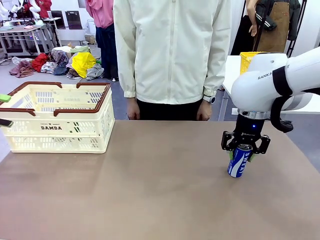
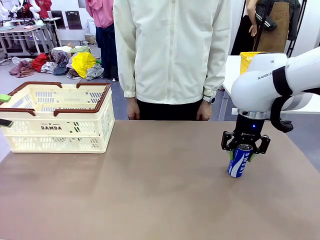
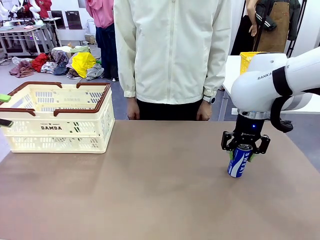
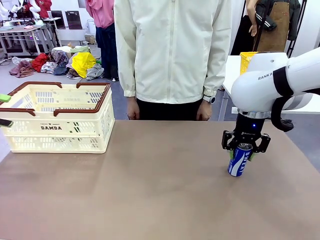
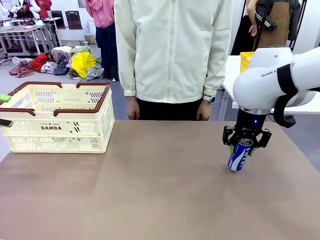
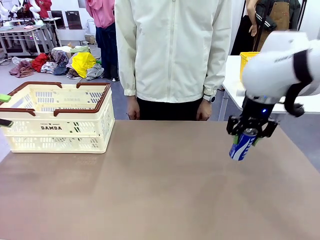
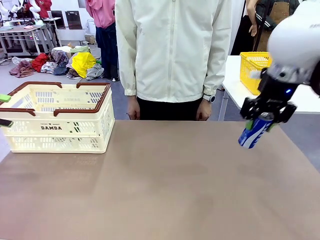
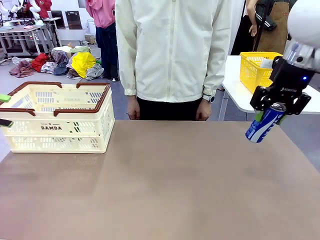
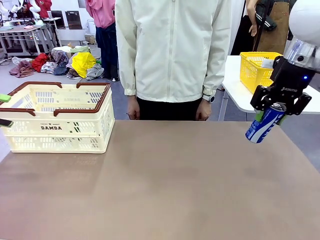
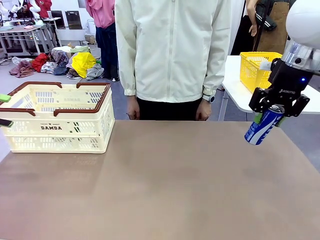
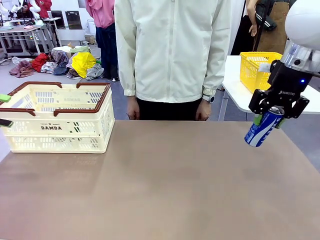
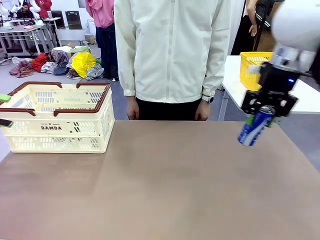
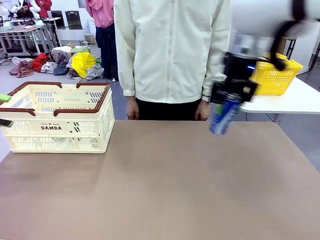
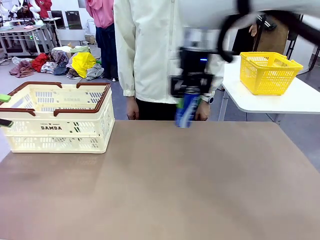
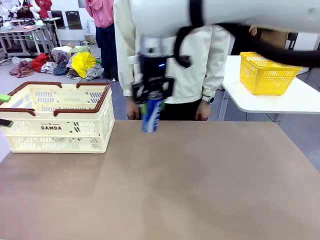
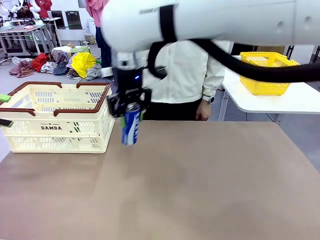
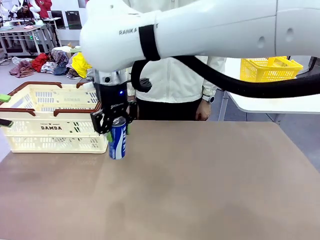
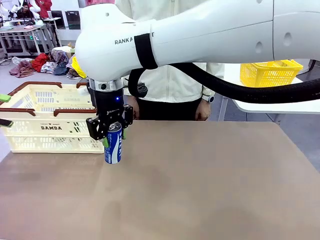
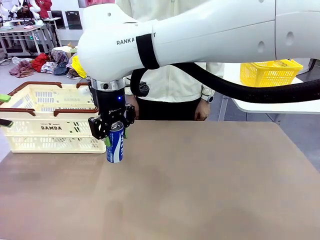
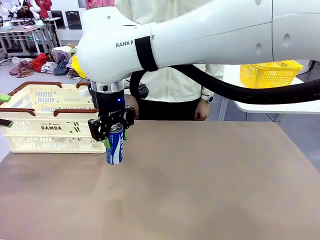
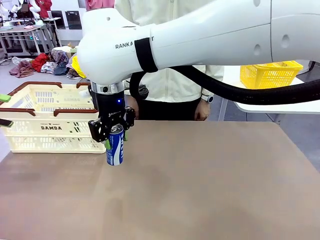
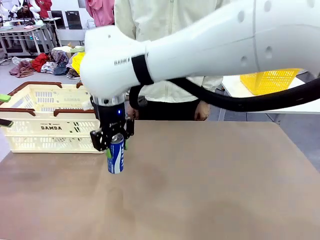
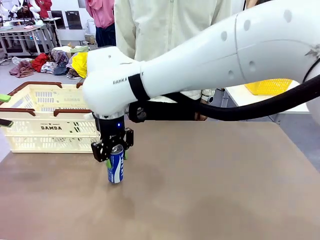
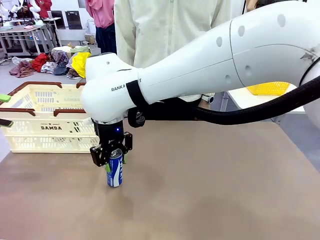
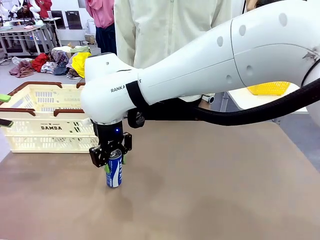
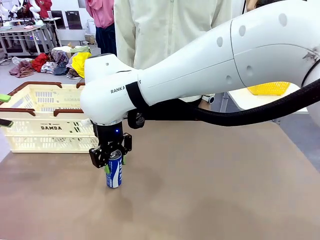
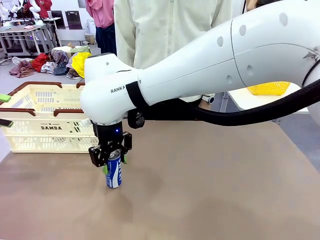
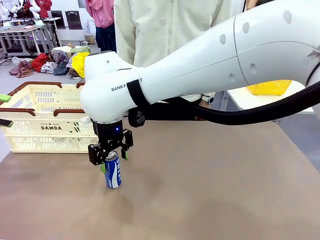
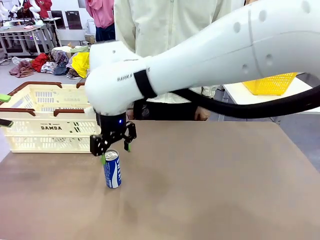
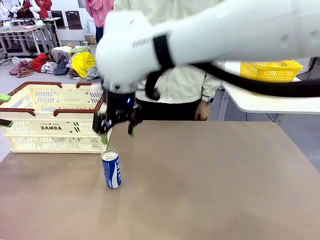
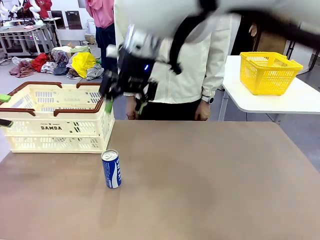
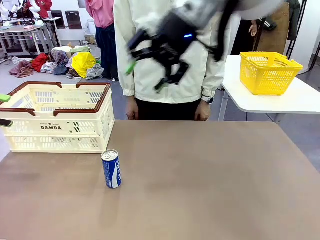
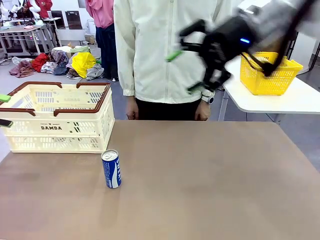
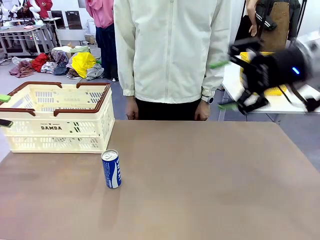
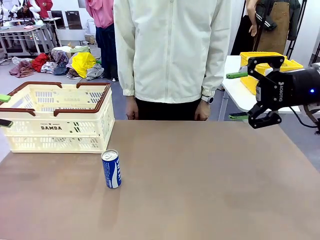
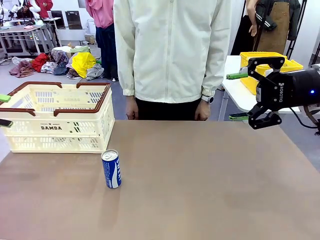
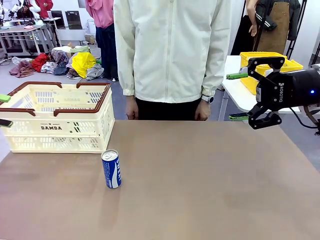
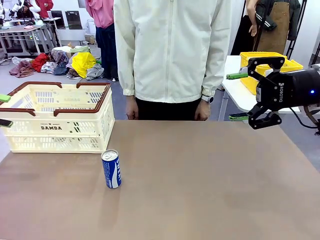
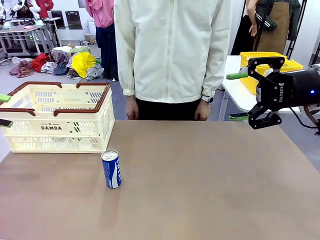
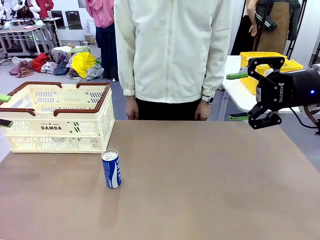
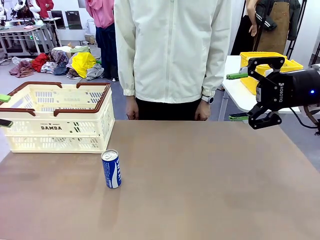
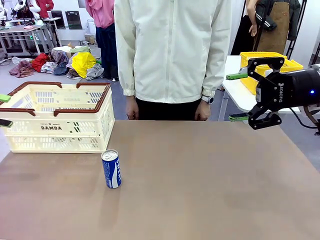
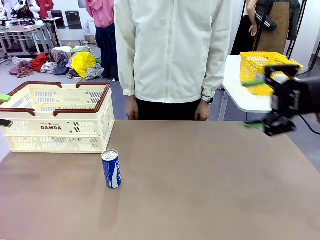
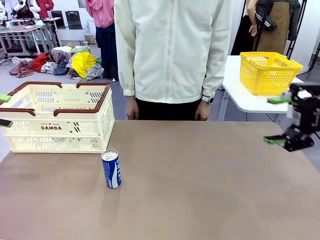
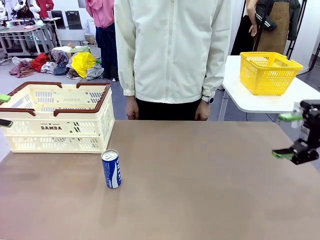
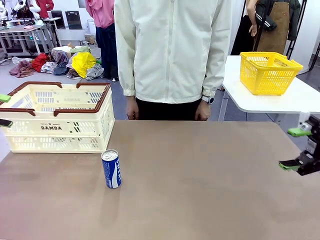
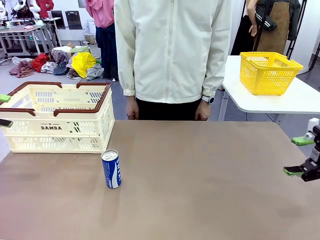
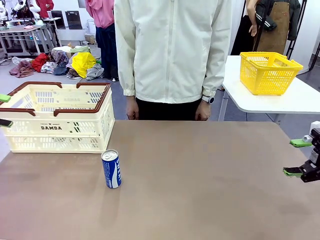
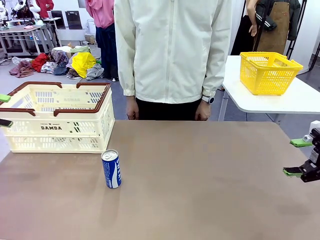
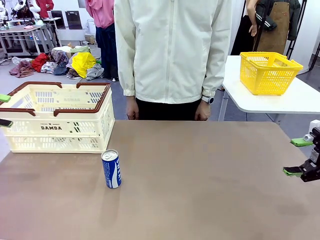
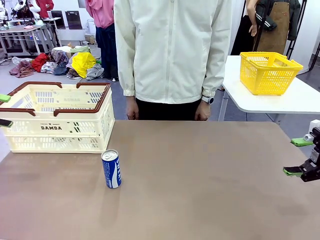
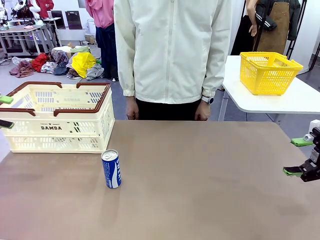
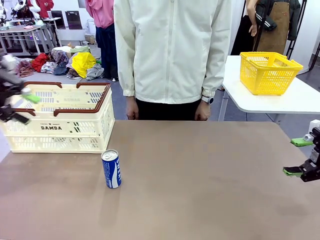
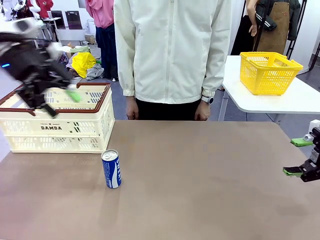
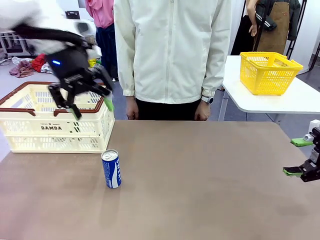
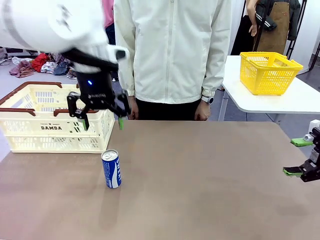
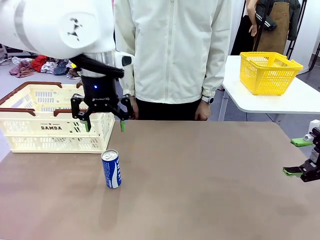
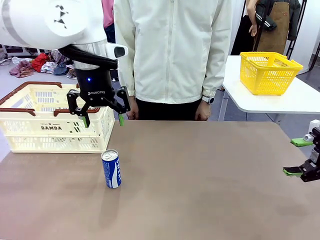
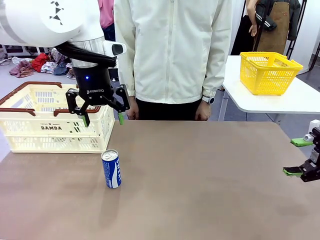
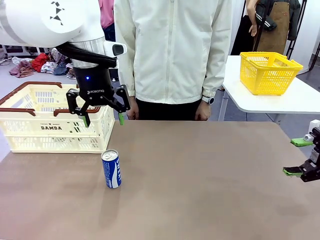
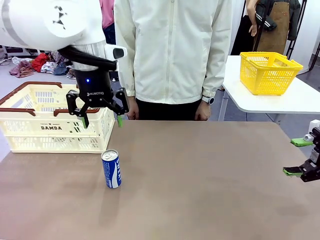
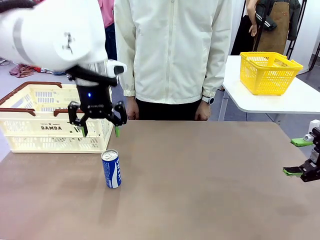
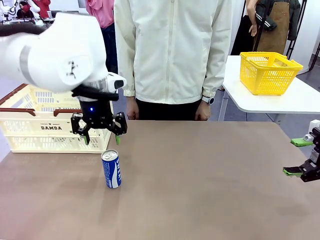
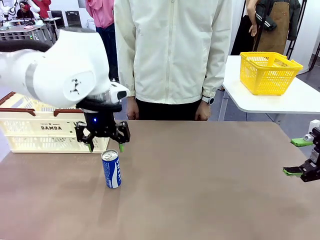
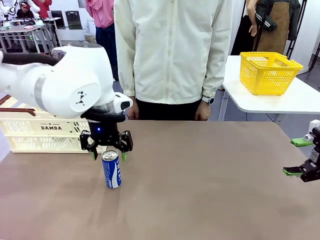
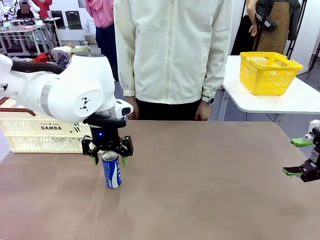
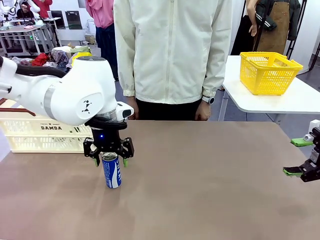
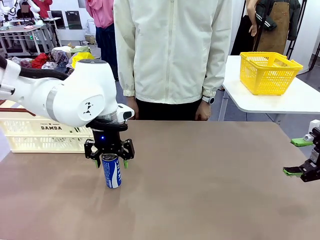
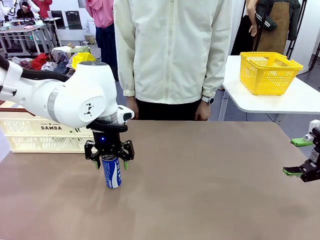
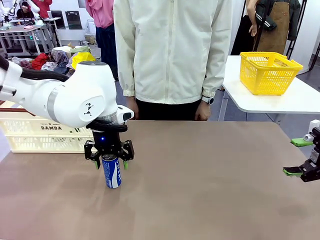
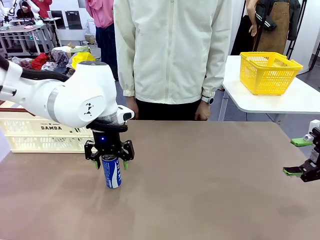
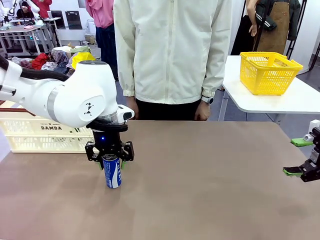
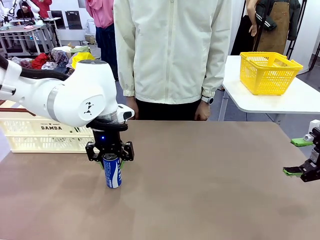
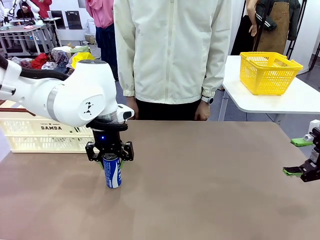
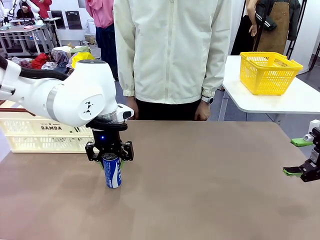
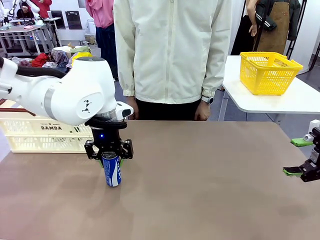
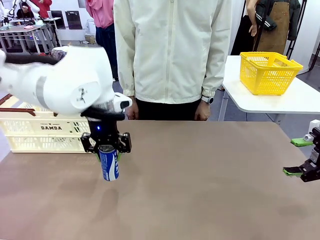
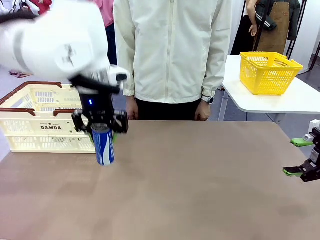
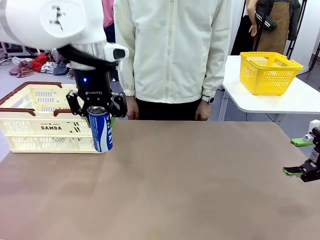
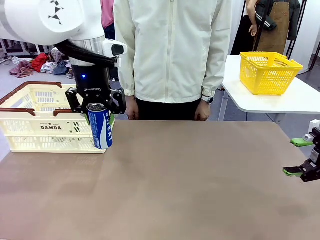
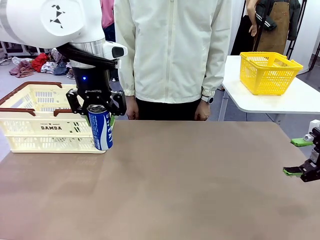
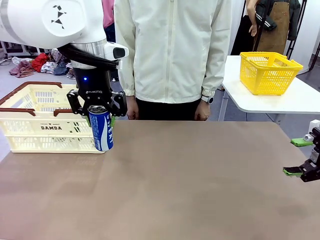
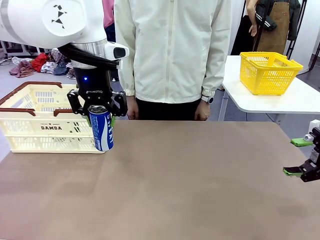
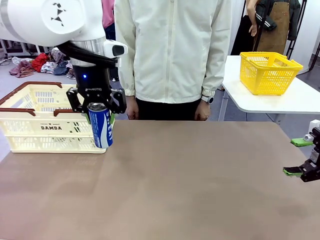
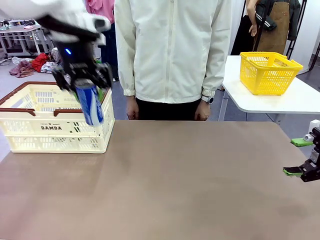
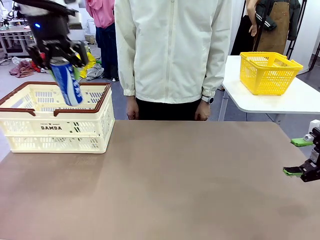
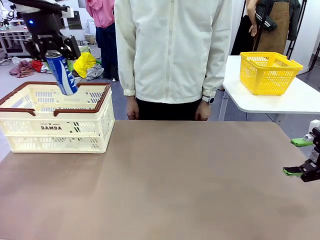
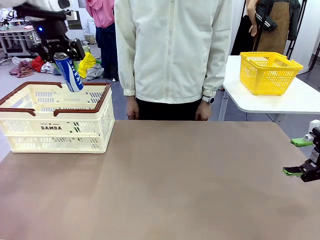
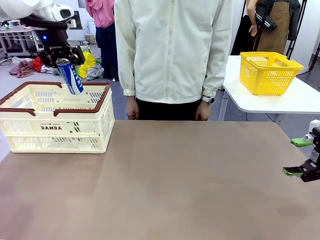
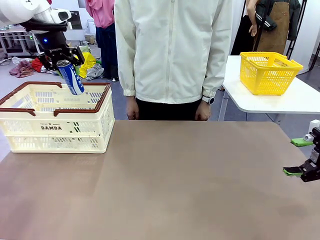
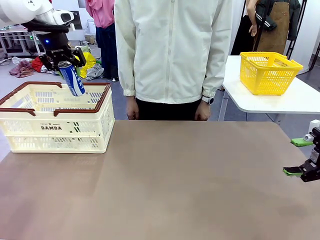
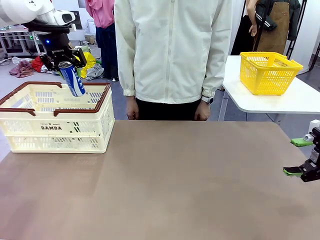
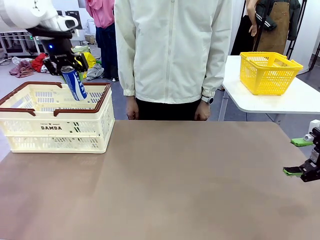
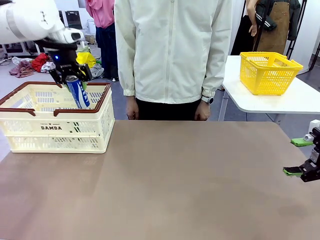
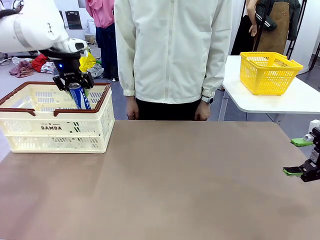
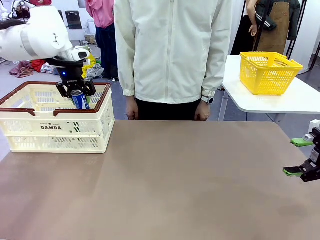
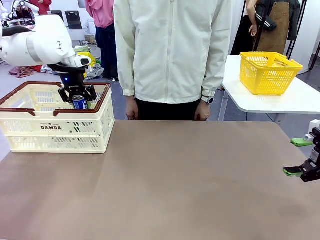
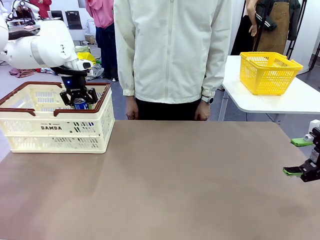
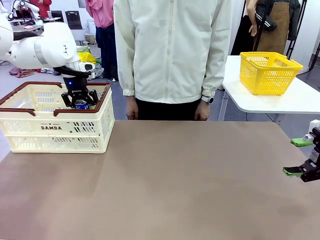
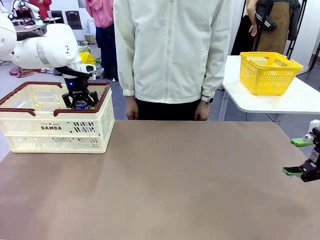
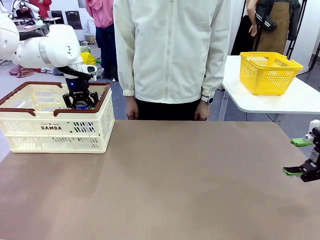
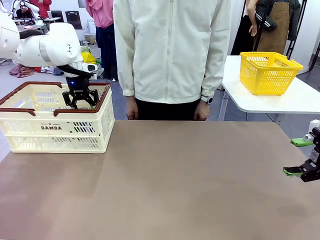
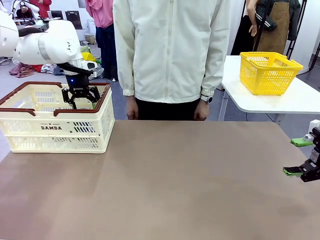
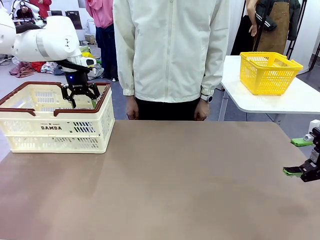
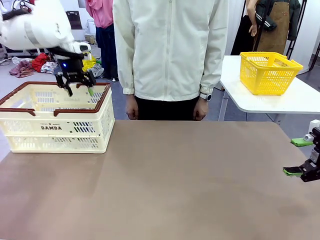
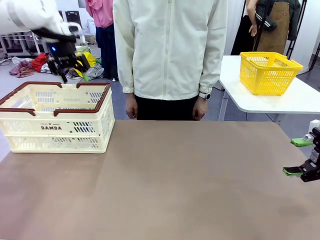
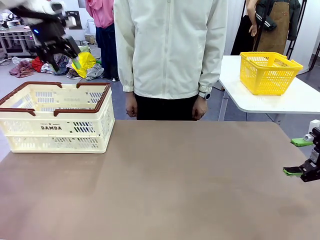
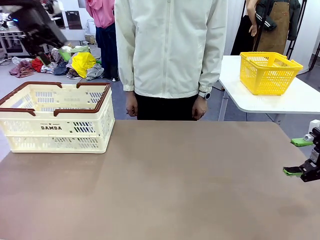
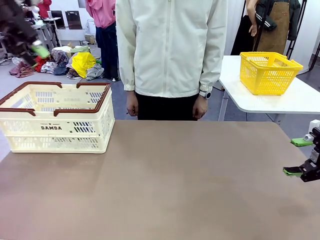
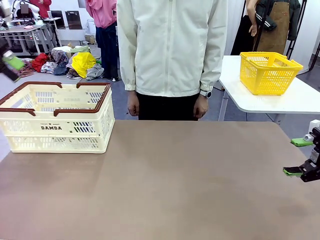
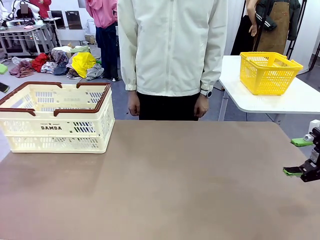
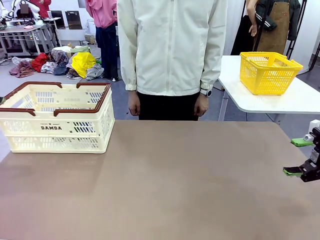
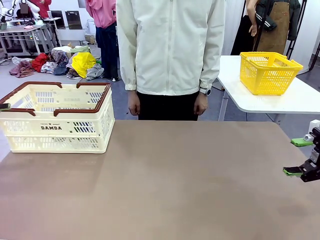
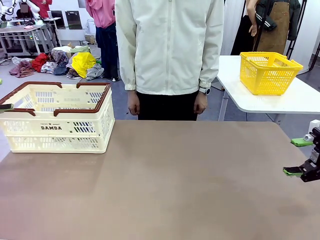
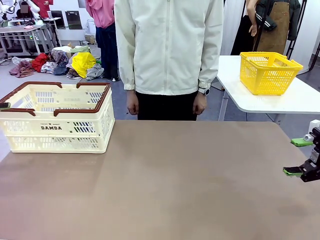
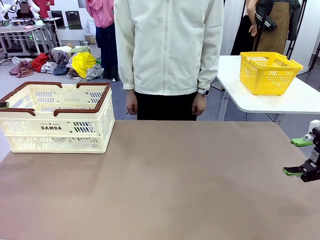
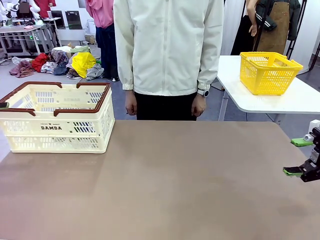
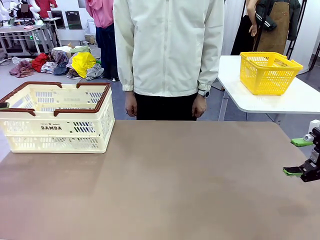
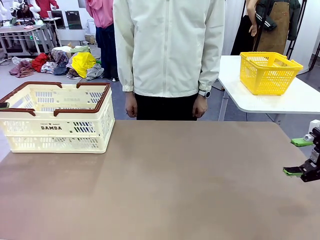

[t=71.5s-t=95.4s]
Task: Place the drinks into the Shopping basket.
Robot: Pick up one drink and place it into the Shopping basket.
